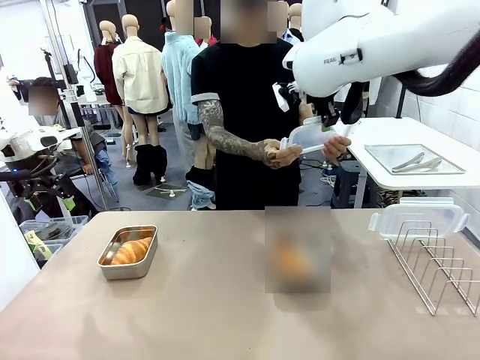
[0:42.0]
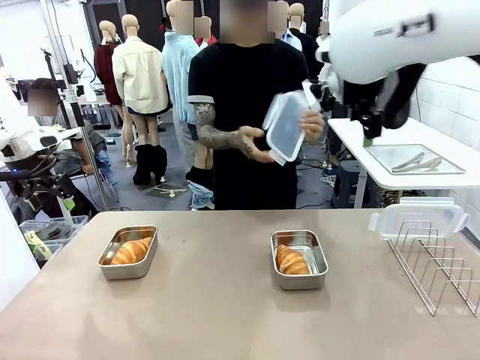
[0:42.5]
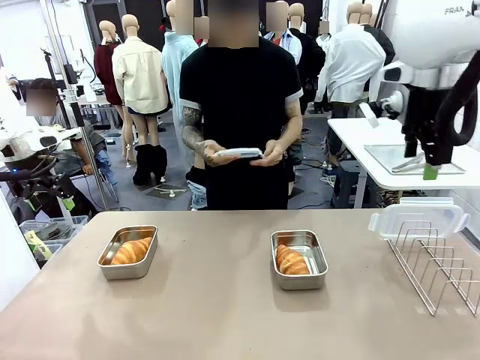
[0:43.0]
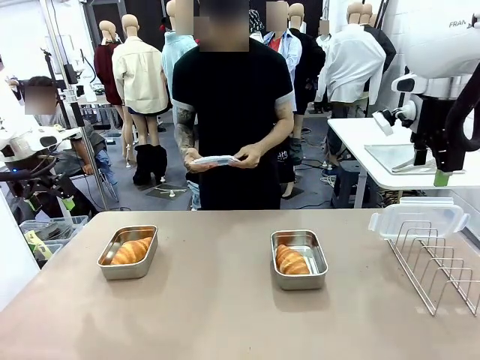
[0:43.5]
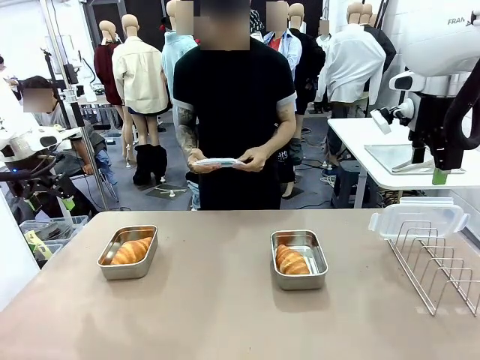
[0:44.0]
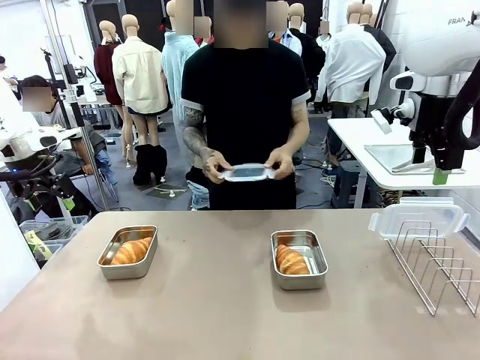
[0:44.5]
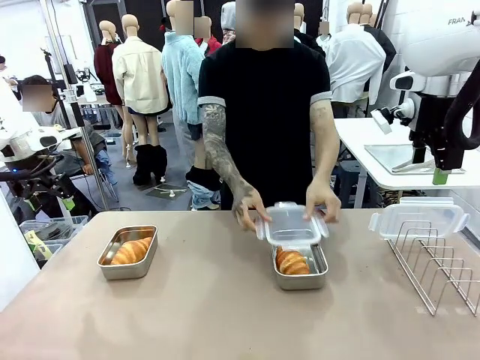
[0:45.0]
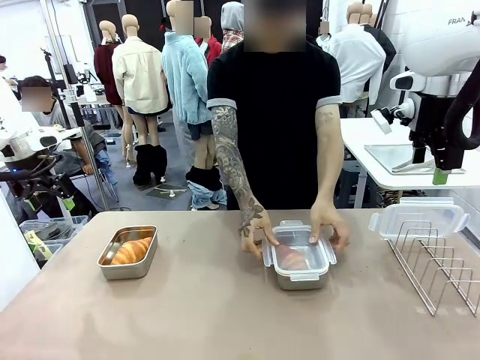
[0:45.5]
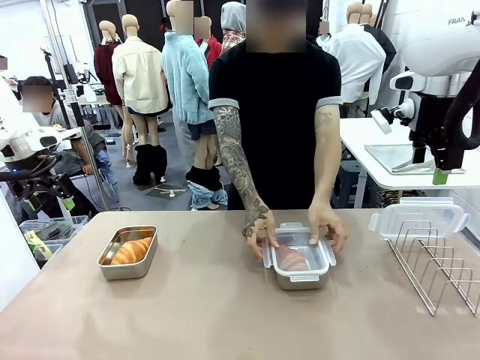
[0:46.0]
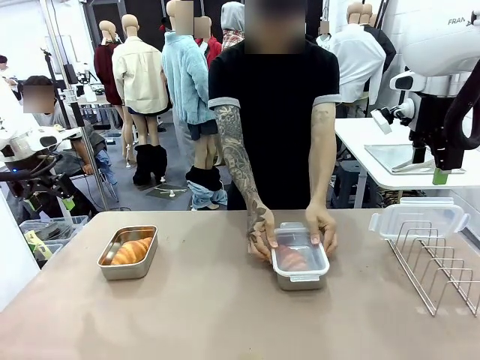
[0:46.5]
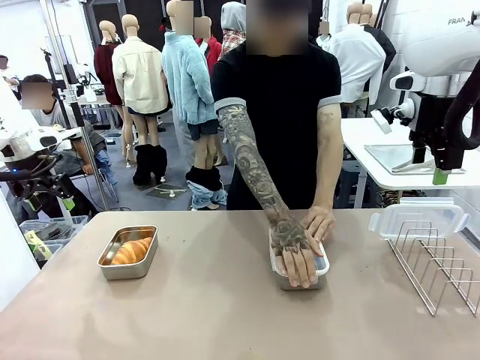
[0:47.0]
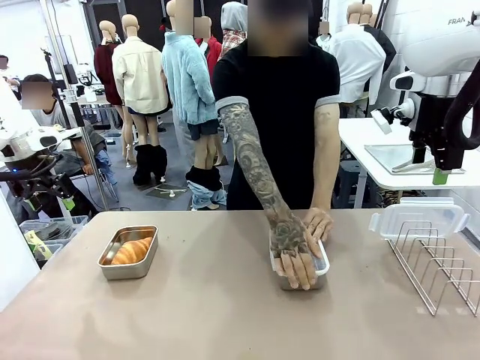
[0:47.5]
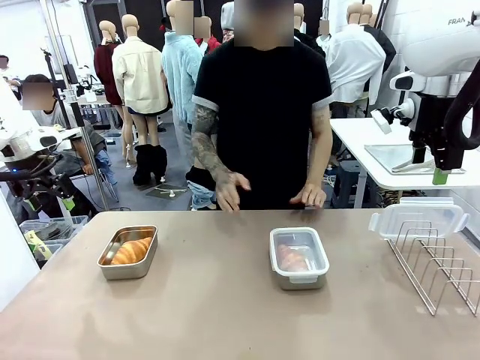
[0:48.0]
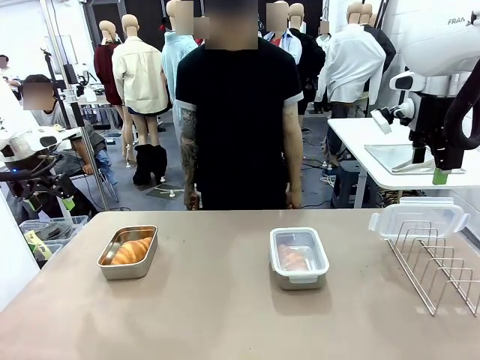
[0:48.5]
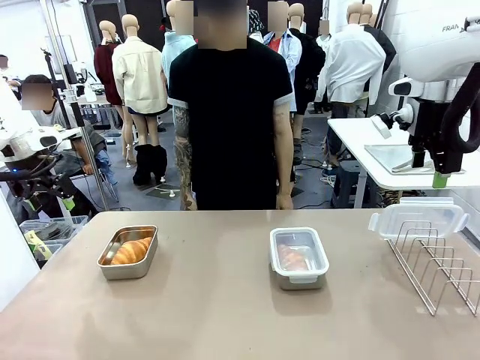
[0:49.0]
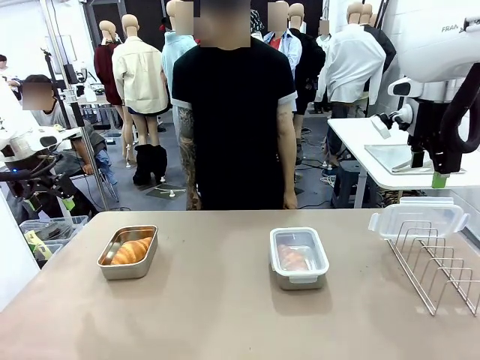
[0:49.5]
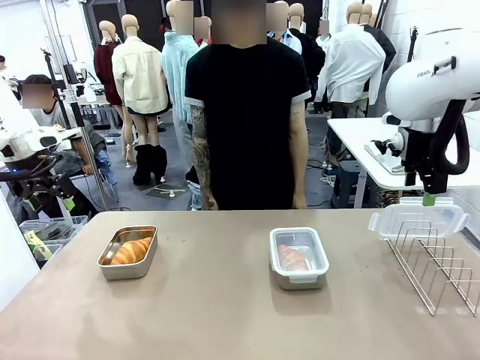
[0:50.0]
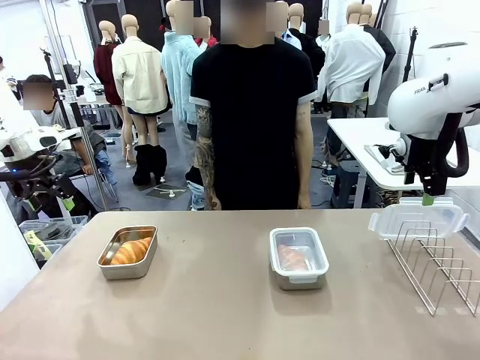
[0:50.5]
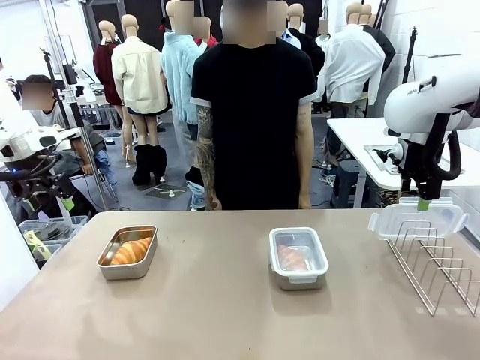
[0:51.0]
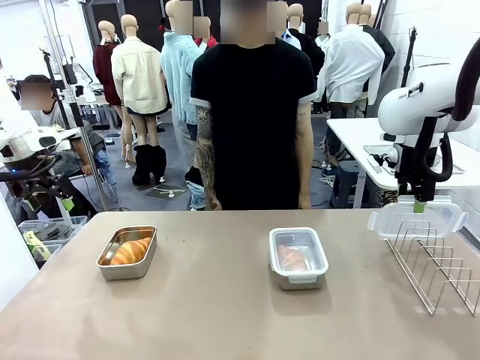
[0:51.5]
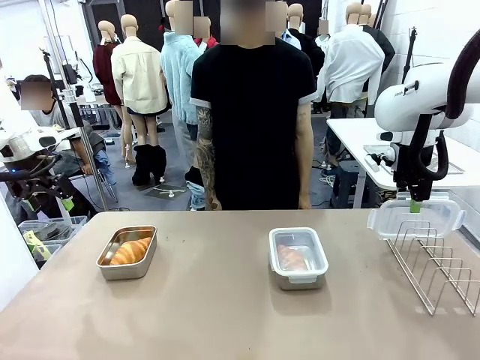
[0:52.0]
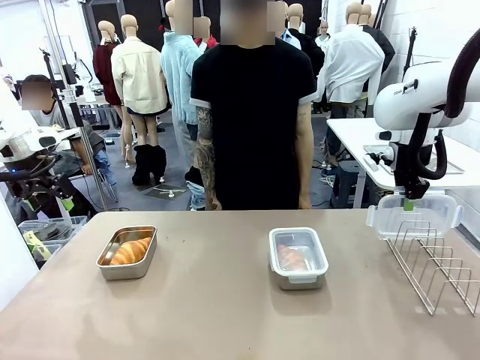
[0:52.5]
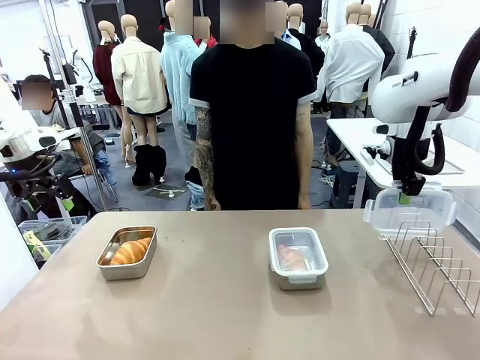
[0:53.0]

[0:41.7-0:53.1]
Task: Place the bread in airtight containers.
Robot: Pick up one Airtight Container lid and hand it to the human.
Person: Close Airtight Container with a handed Airtight Container lid. Grip Airtight Container lid that robot is handing.

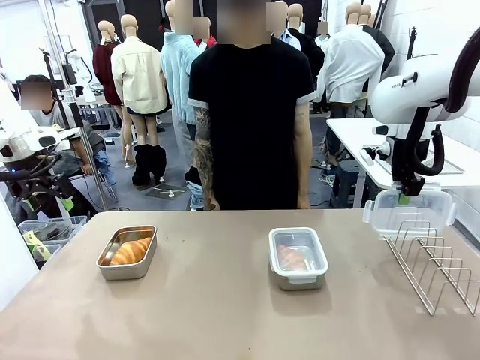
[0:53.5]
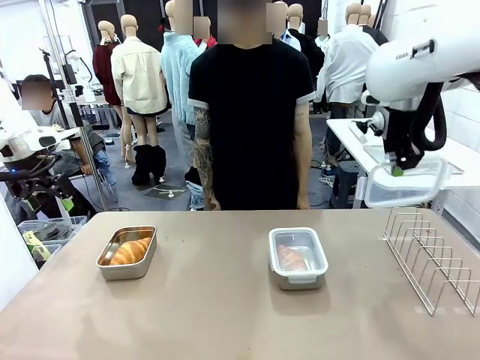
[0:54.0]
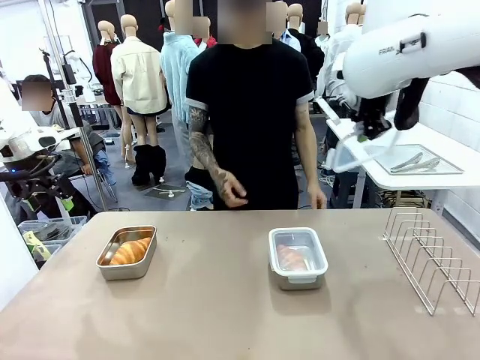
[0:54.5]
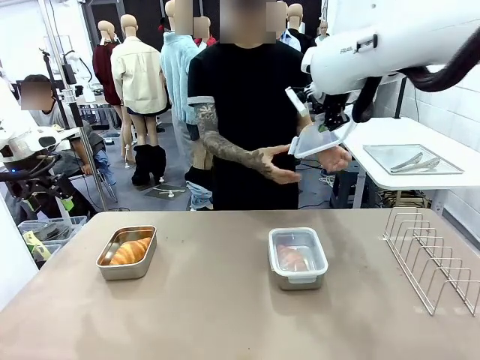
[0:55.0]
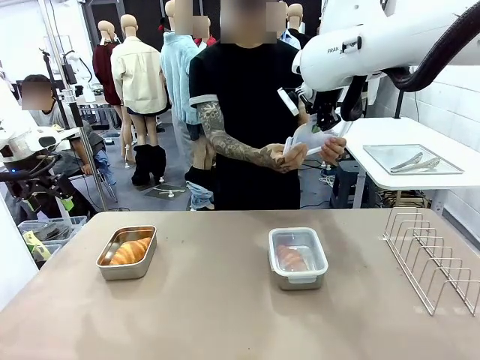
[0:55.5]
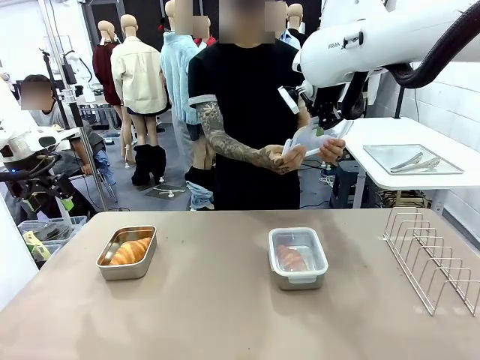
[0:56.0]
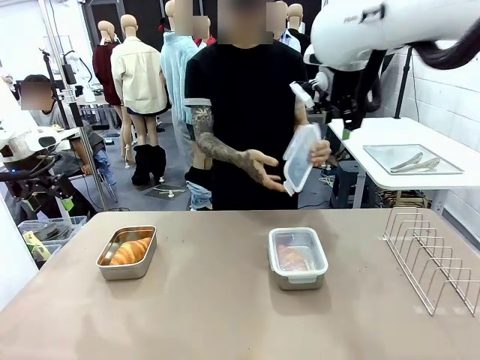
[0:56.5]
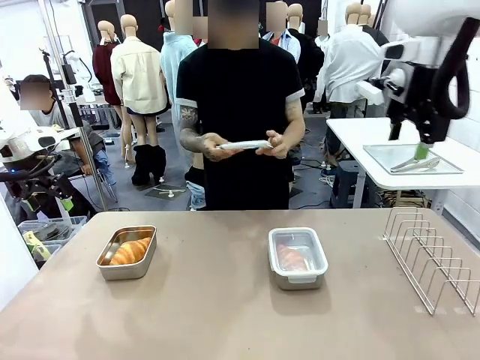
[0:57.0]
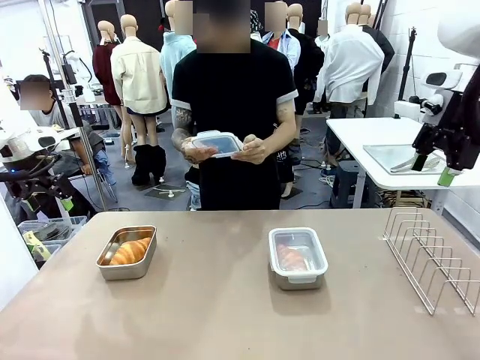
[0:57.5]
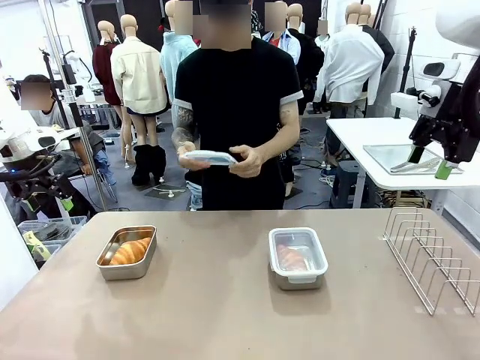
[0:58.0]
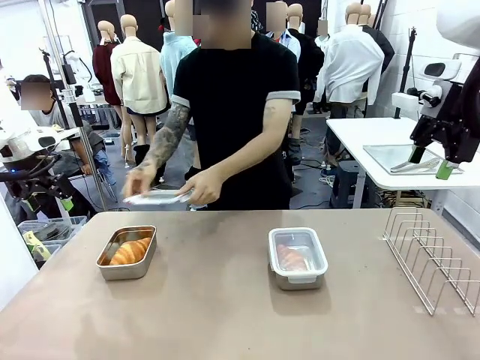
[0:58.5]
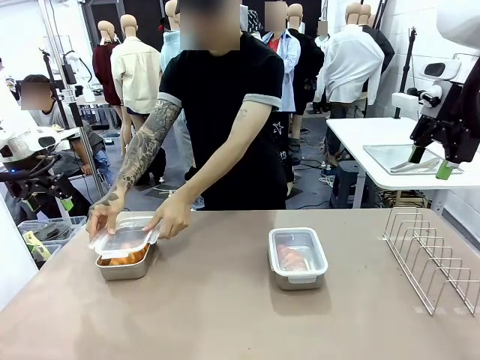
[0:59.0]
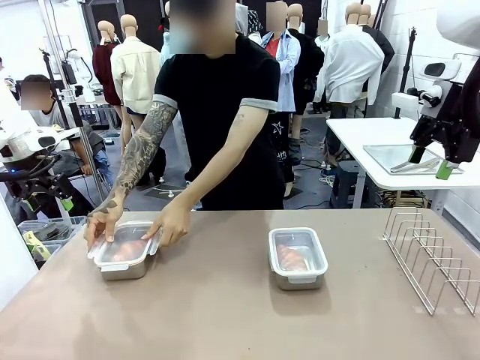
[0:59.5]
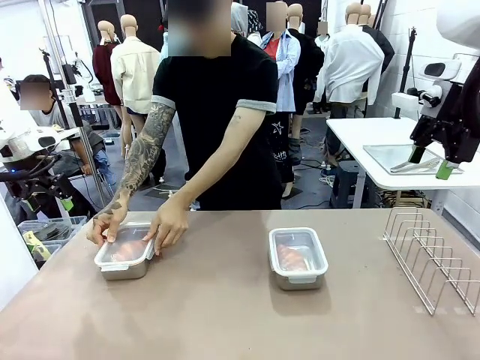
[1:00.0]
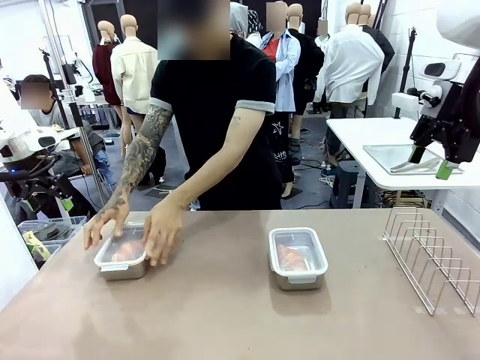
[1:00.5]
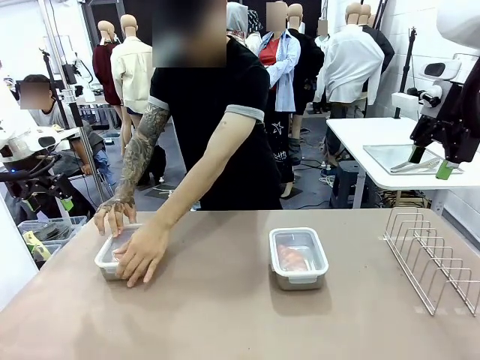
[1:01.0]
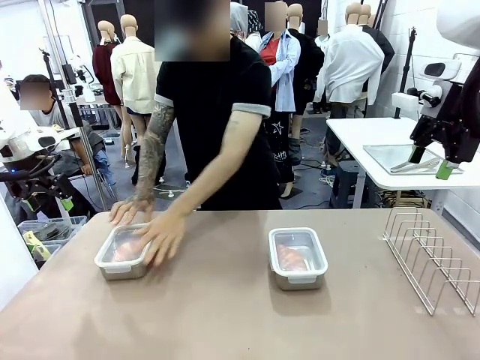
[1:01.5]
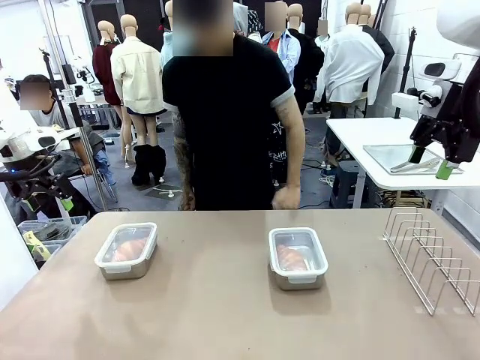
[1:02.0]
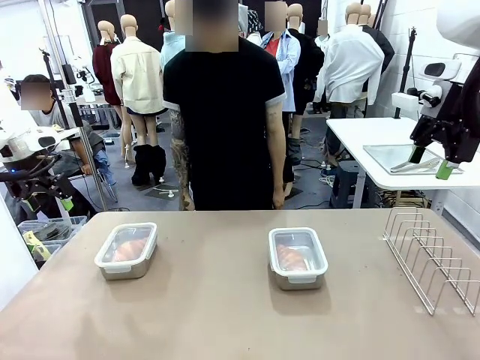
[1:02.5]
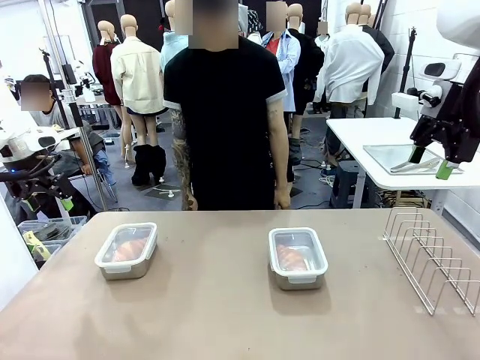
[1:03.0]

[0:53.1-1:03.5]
Robot: Release when the human grabs the Airtight Container lid.
Person: Close Airtight Container with a handed Airtight Container lid.

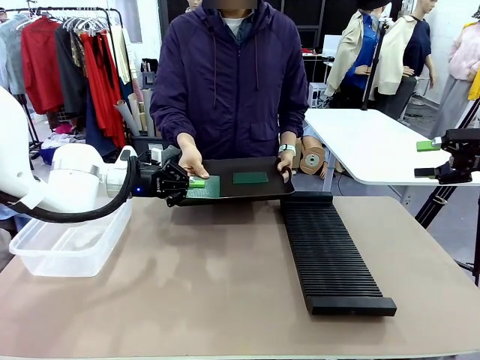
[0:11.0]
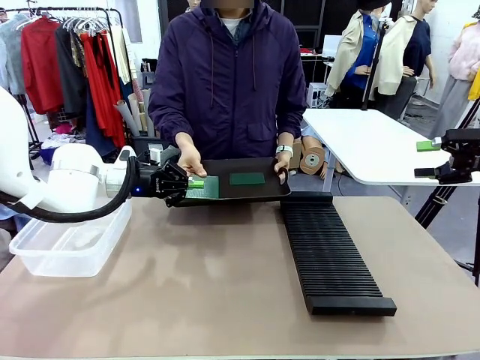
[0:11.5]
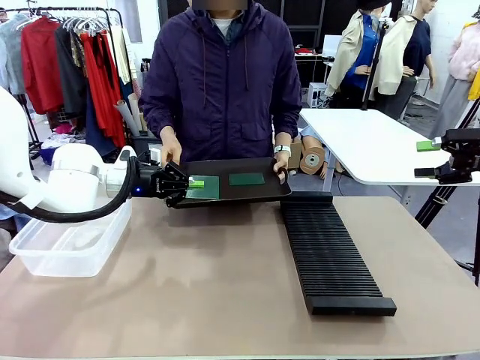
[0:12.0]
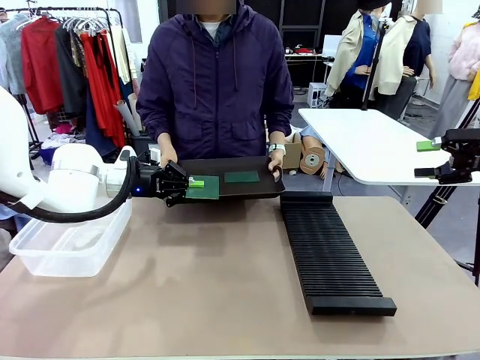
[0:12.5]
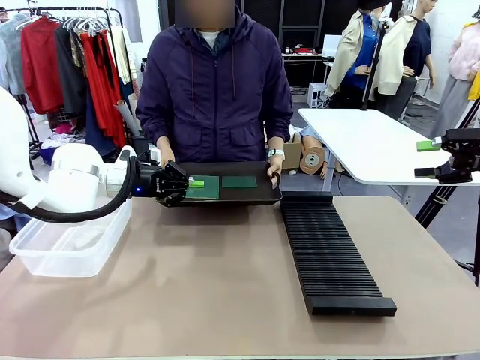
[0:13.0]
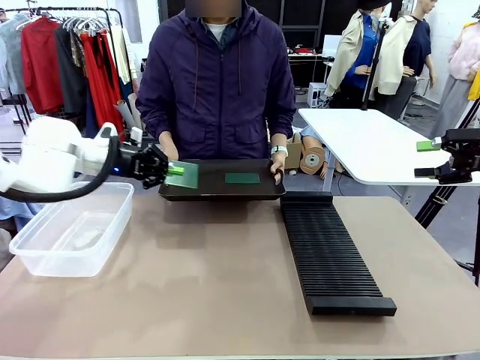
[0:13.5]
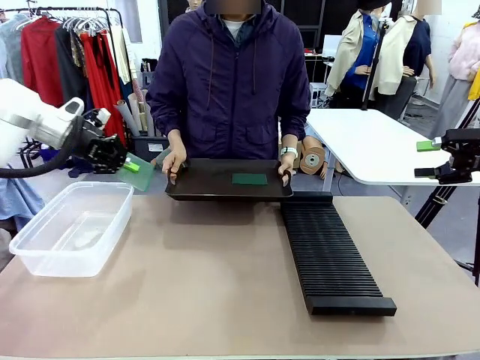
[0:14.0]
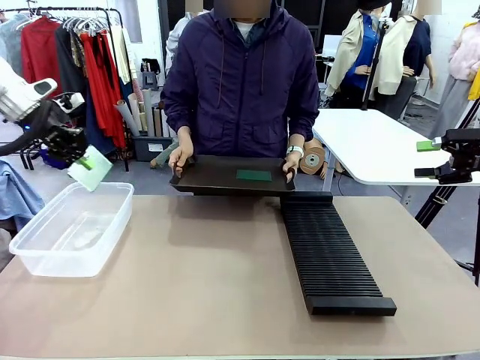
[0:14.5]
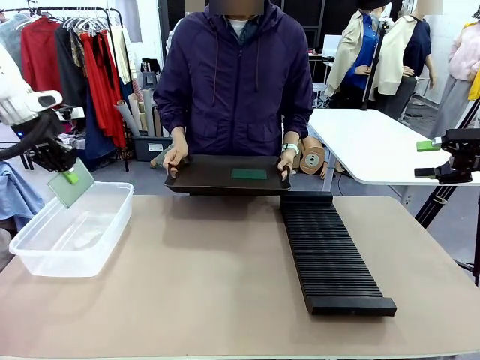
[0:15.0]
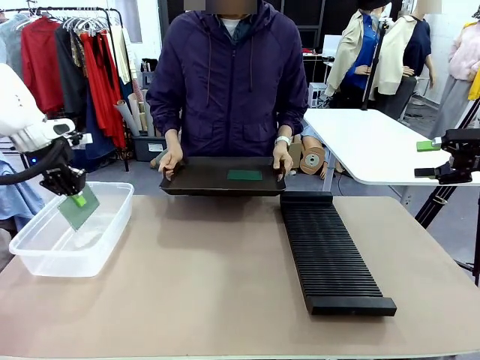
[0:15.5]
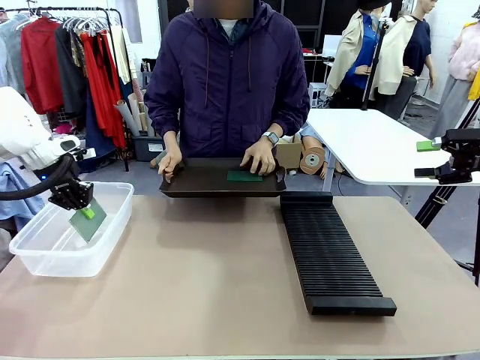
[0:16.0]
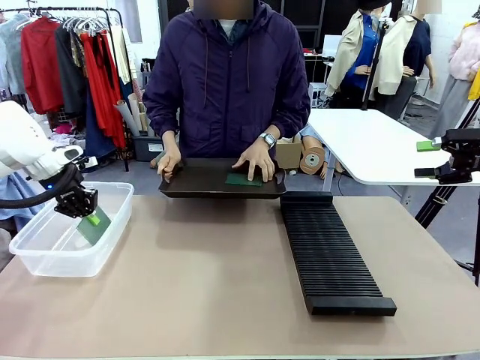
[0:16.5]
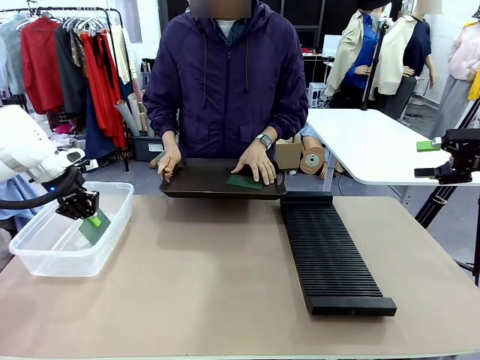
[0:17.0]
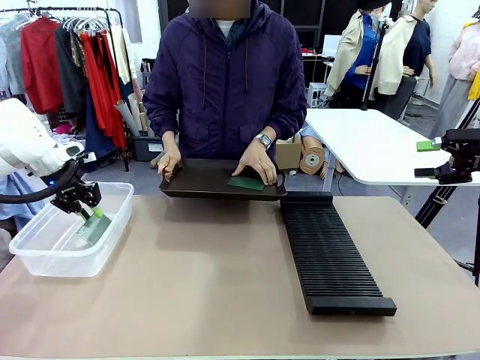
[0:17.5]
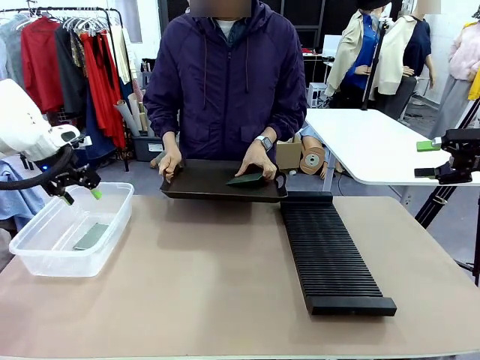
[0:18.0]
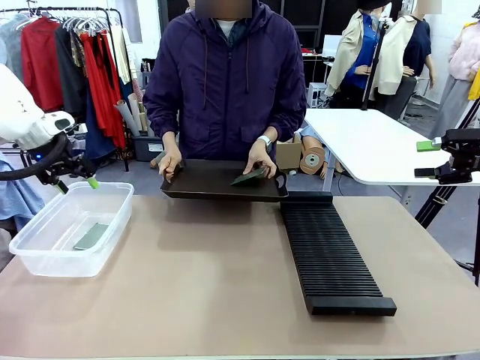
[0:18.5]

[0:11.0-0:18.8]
Task: Sort PCBs into racks and boxes based on the side picked up.
Robot: If the short side of the Blank PCB is picked up, insert it into the PCB Rack ; if the long side is picked up, place it in the Organizing box.
Person: Pick one PCB from the tray and present it to the robot.
